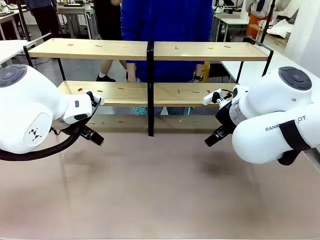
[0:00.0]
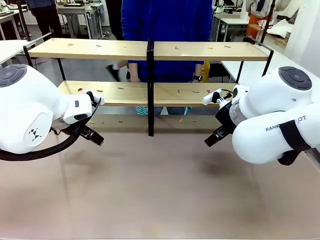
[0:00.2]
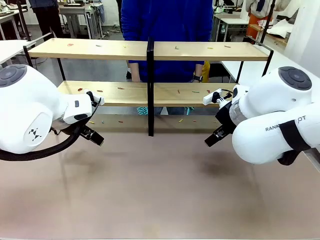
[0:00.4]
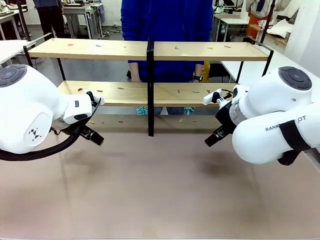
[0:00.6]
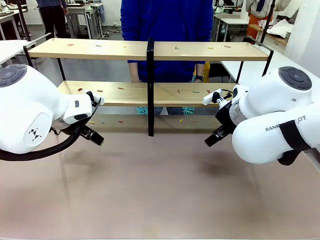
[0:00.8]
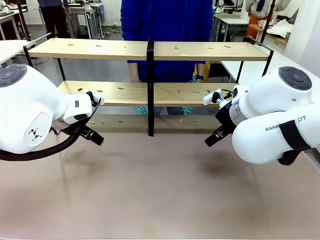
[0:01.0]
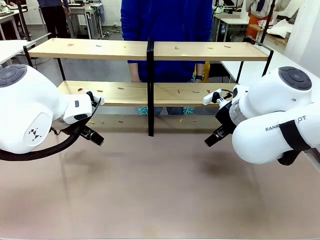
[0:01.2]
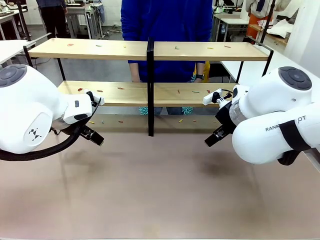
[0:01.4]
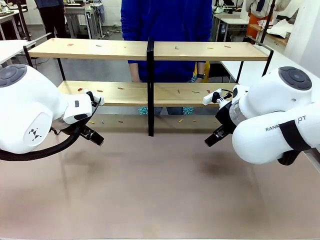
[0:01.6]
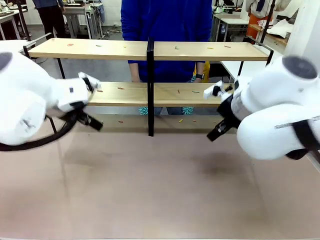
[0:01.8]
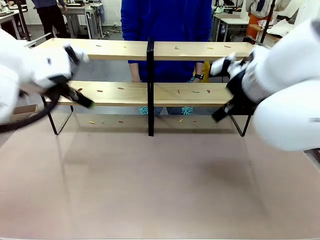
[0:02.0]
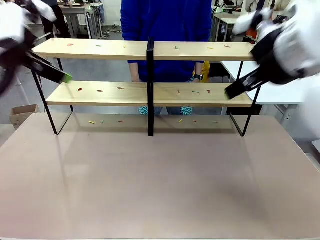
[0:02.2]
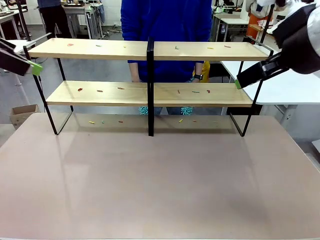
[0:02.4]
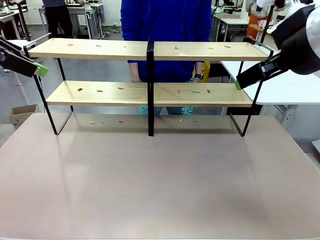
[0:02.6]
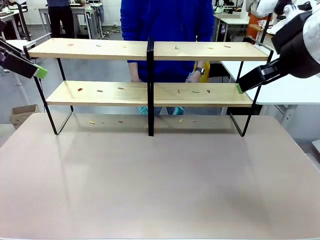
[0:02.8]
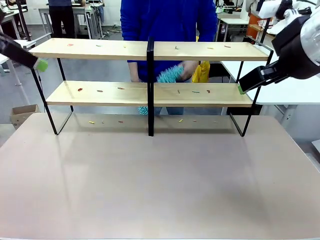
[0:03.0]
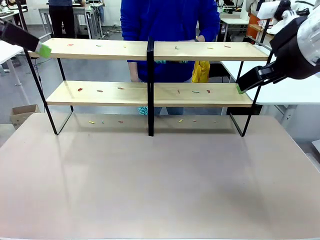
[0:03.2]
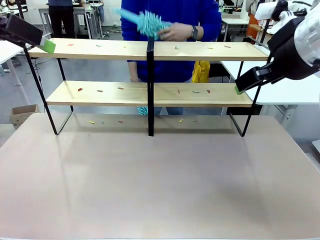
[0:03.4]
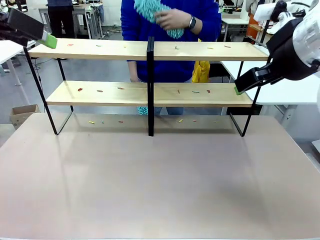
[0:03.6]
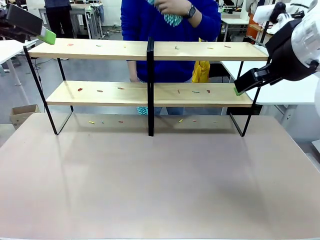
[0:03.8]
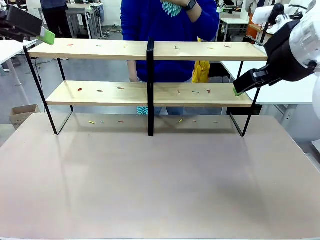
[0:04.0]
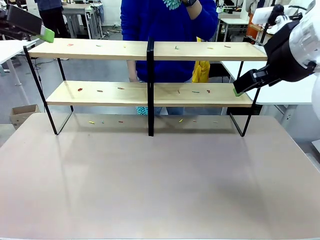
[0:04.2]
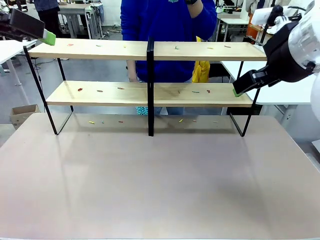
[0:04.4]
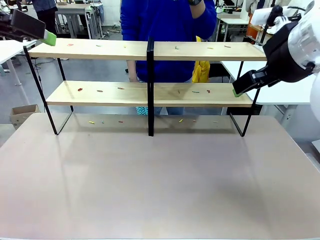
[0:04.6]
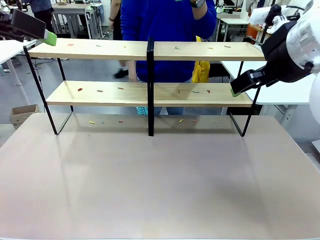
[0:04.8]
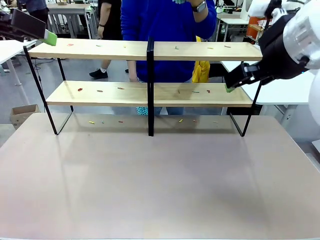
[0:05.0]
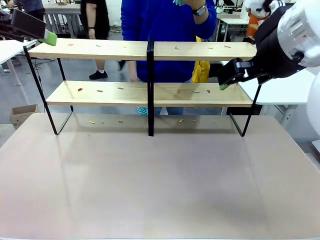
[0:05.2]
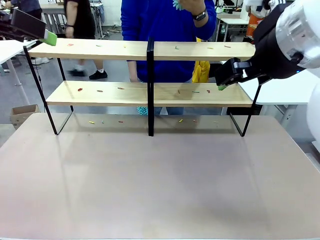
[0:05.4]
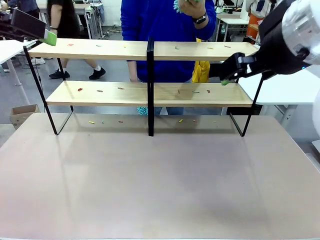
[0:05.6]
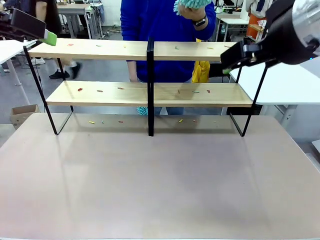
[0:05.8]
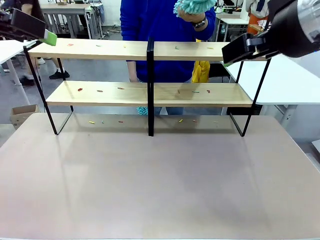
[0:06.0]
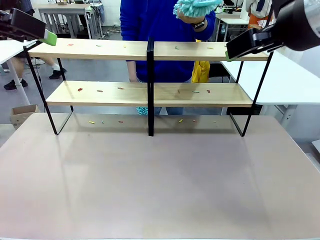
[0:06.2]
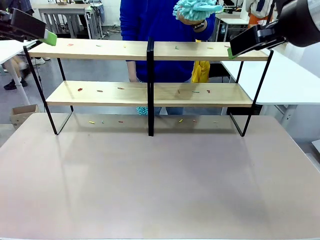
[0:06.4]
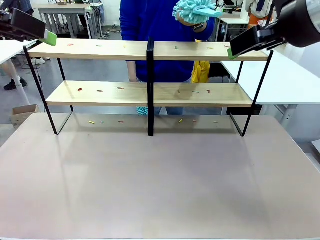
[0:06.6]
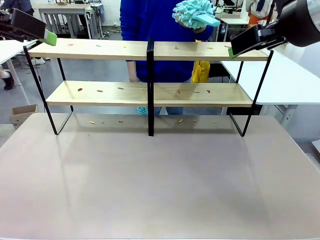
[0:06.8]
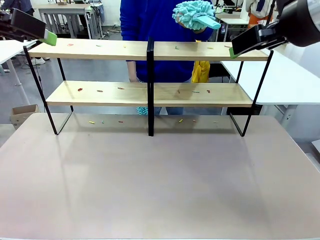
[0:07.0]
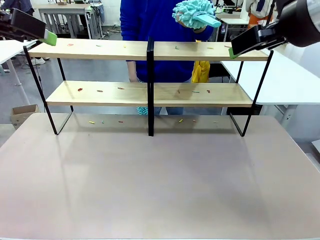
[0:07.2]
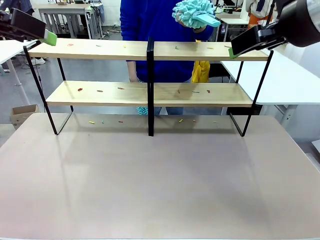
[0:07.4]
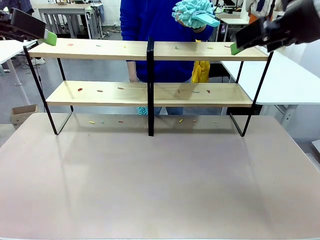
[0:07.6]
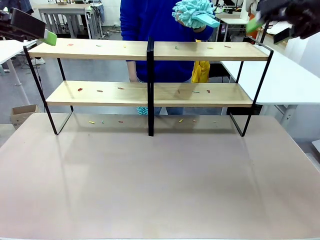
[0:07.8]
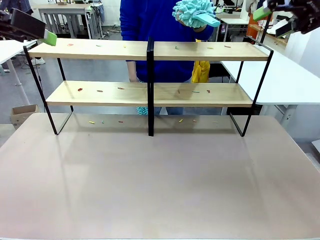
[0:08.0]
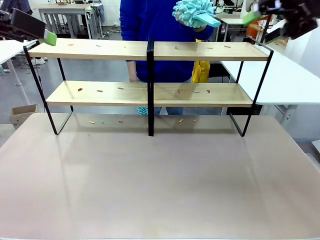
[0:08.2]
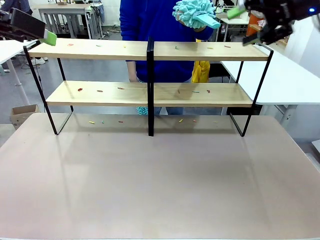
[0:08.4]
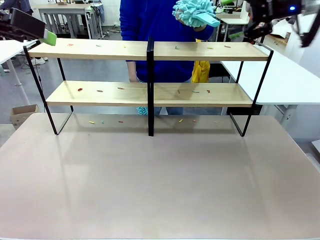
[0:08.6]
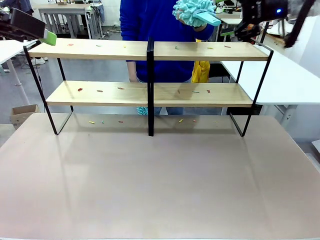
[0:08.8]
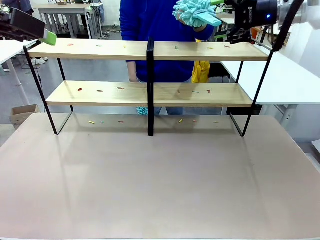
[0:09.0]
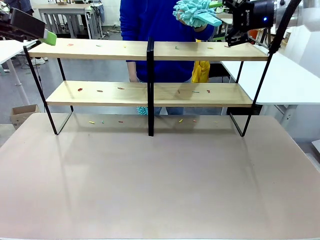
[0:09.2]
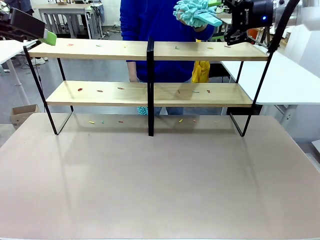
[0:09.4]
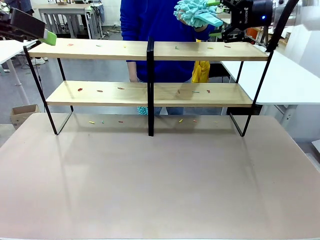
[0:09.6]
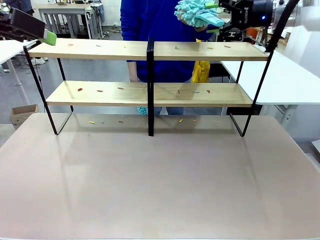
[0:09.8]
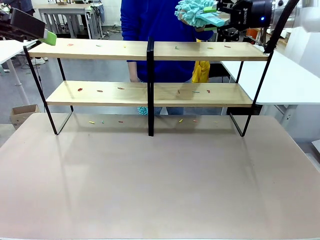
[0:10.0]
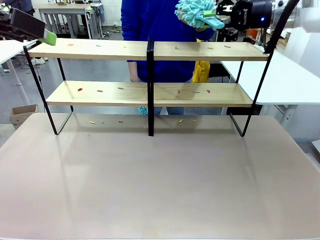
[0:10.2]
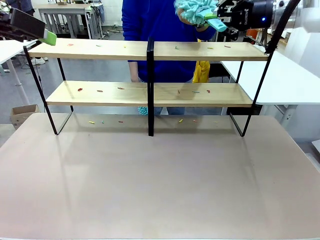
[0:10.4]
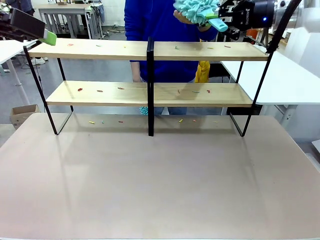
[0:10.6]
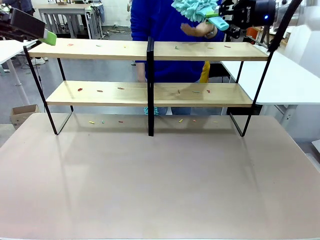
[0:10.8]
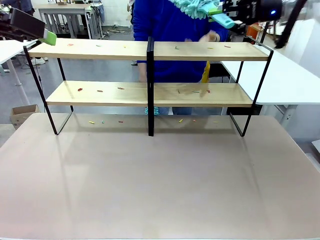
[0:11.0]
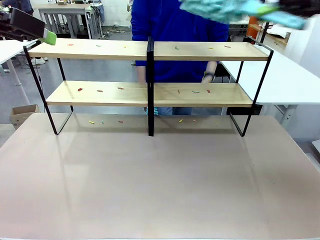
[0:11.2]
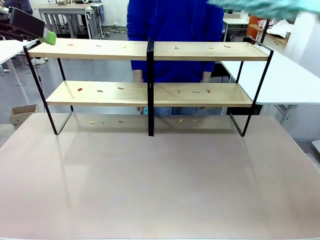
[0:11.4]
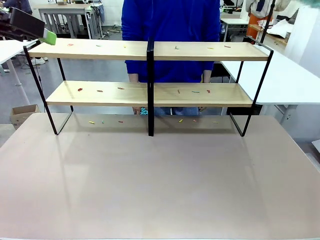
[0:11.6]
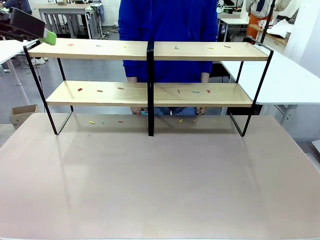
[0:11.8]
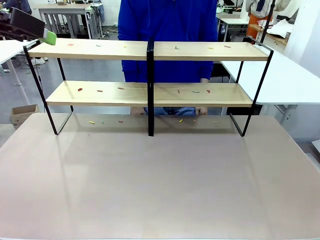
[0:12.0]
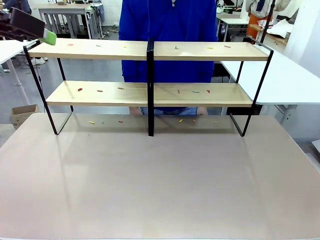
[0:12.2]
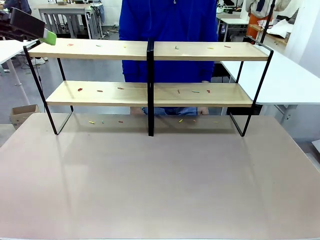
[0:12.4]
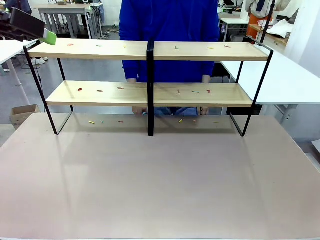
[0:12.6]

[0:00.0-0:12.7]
Task: Clean the shelves.
Robot: Pick up the Duster when the human hands it over.
Person: Hand the Duster to the robot with your right (or left) hand.
